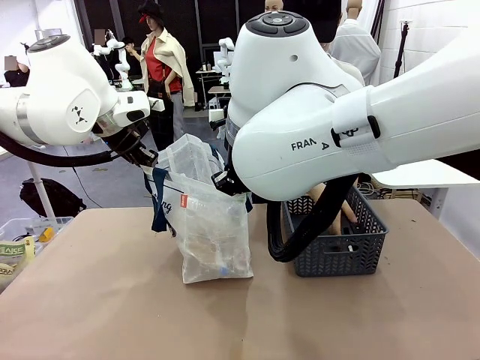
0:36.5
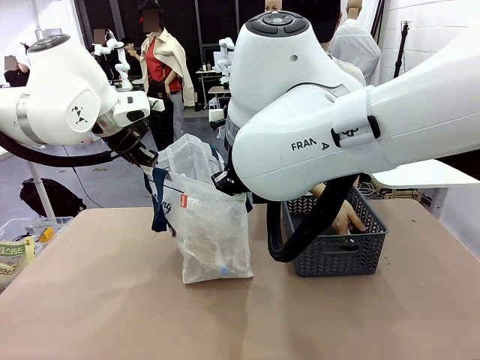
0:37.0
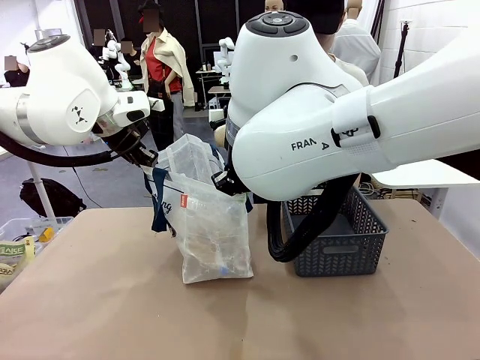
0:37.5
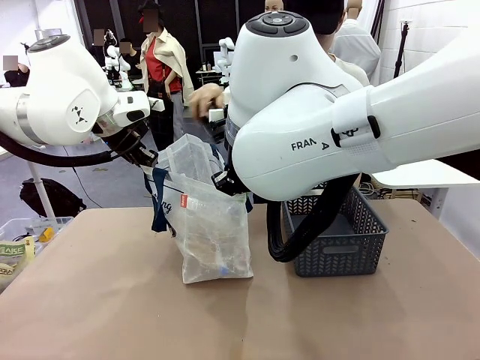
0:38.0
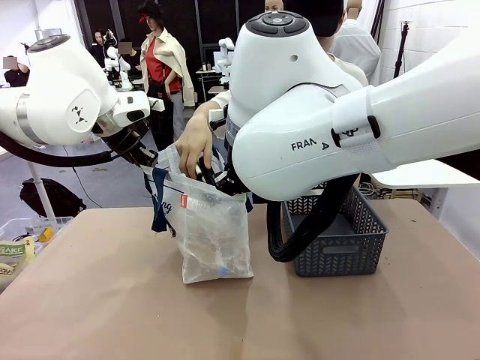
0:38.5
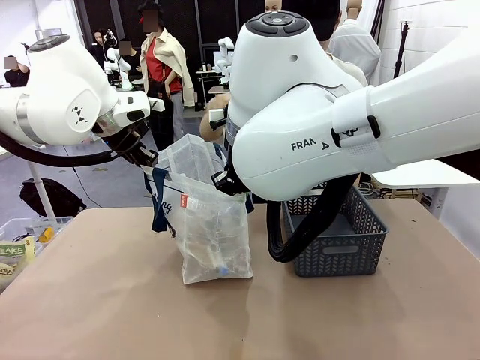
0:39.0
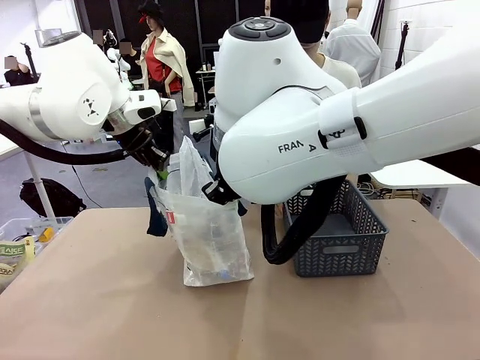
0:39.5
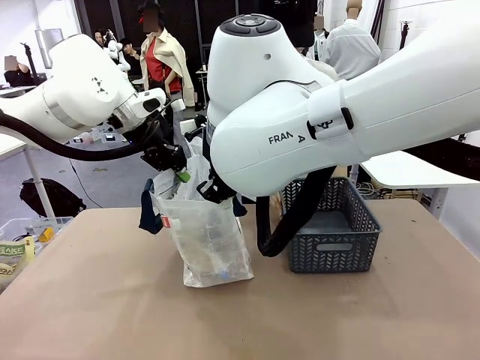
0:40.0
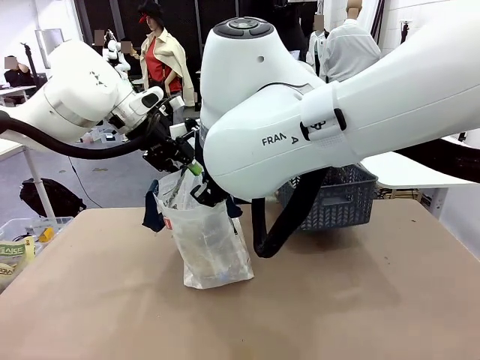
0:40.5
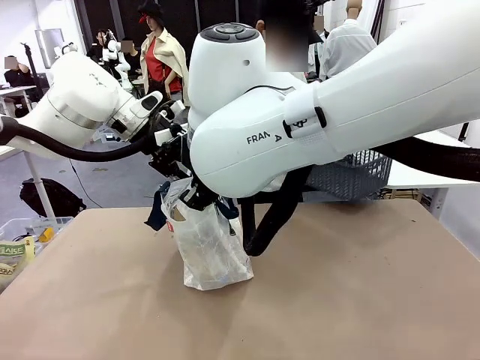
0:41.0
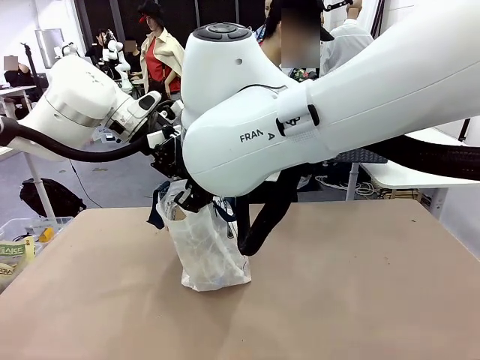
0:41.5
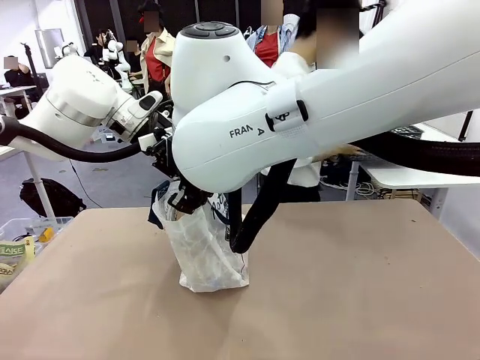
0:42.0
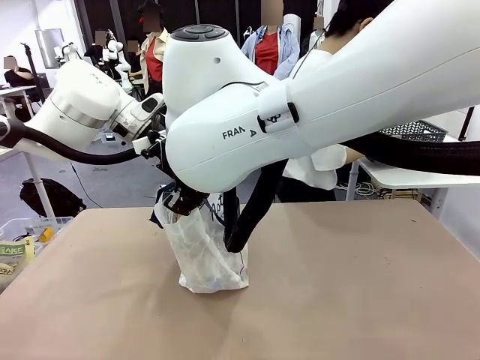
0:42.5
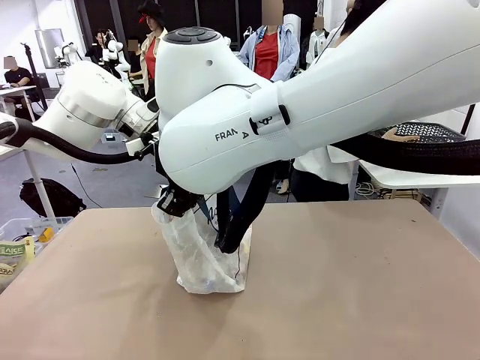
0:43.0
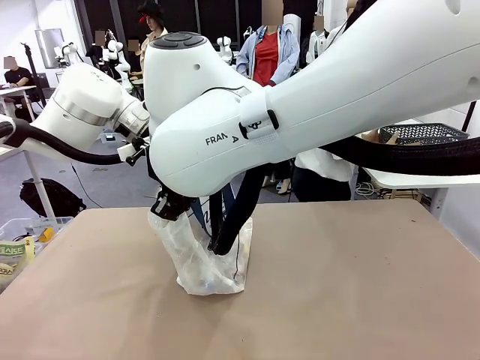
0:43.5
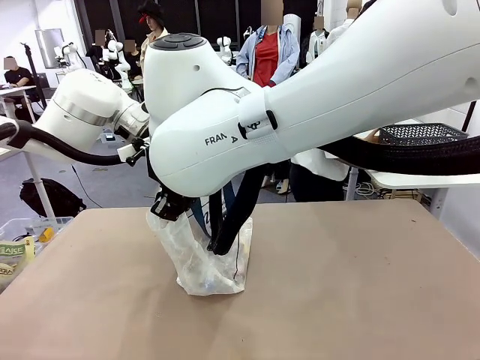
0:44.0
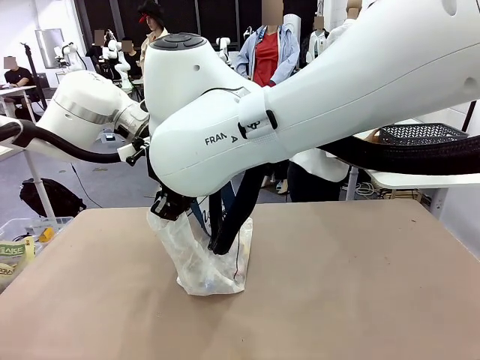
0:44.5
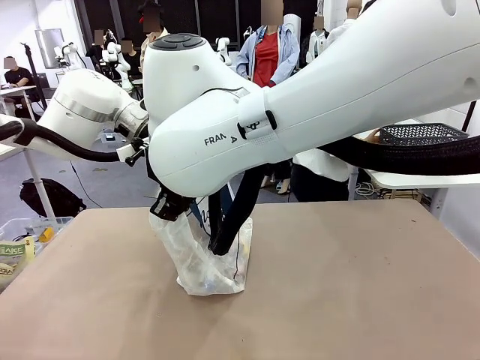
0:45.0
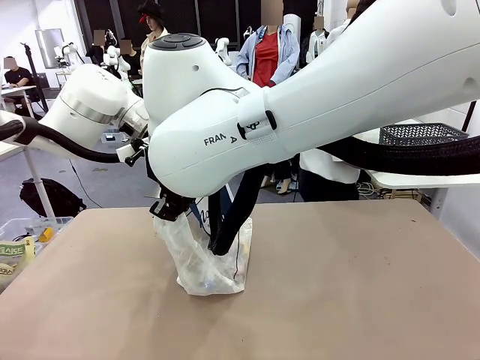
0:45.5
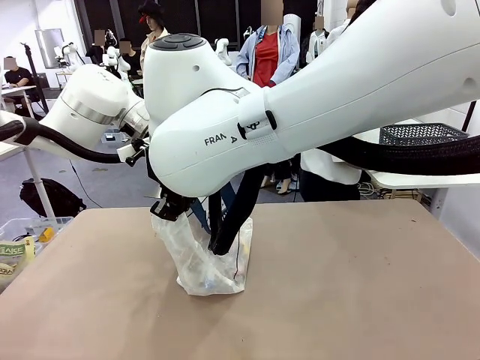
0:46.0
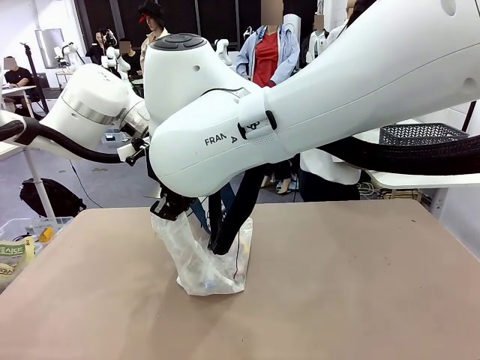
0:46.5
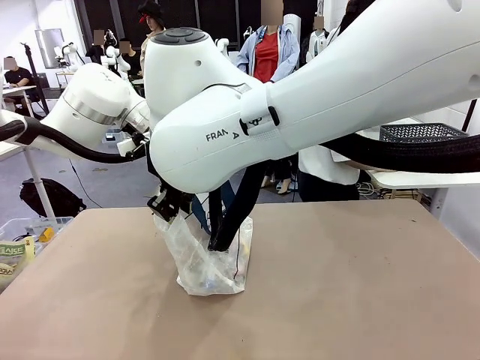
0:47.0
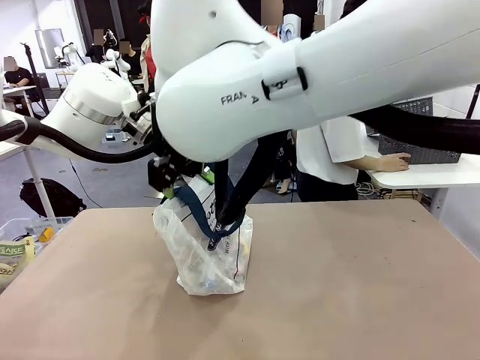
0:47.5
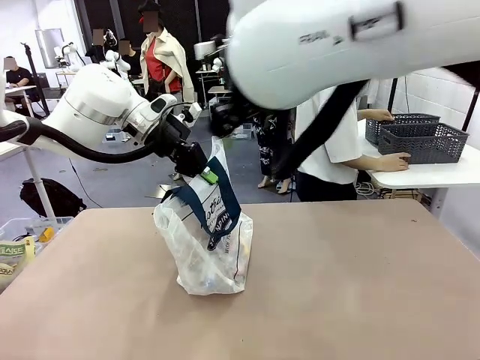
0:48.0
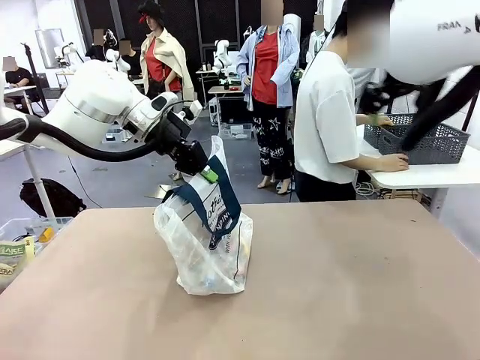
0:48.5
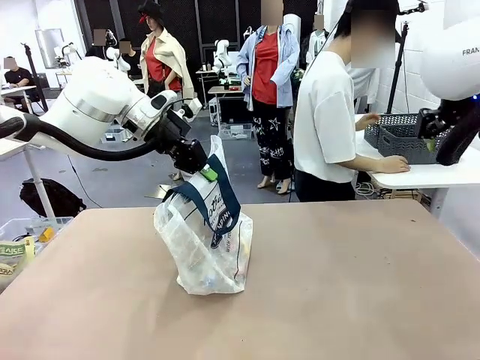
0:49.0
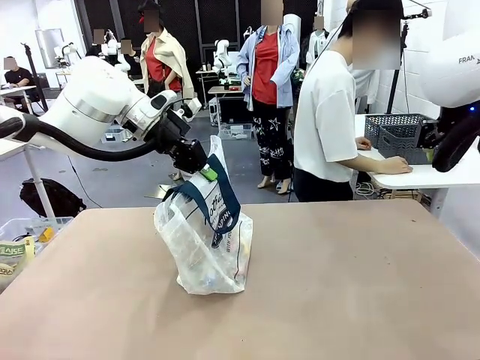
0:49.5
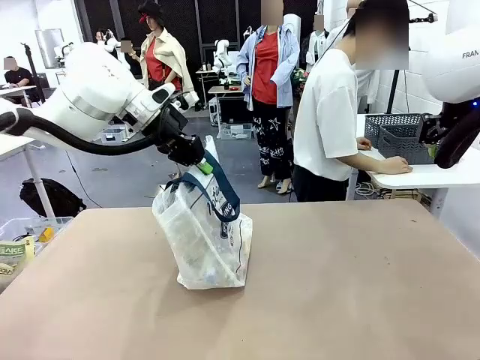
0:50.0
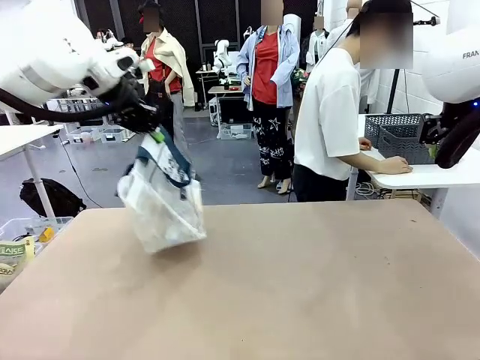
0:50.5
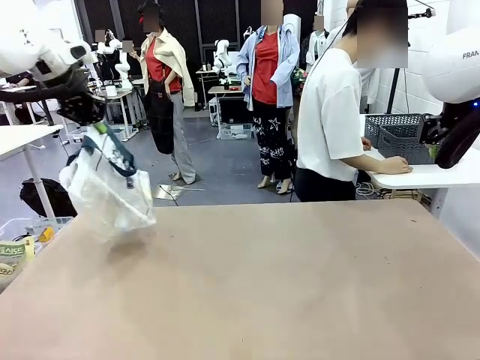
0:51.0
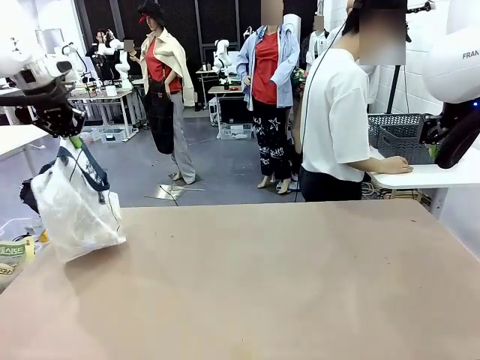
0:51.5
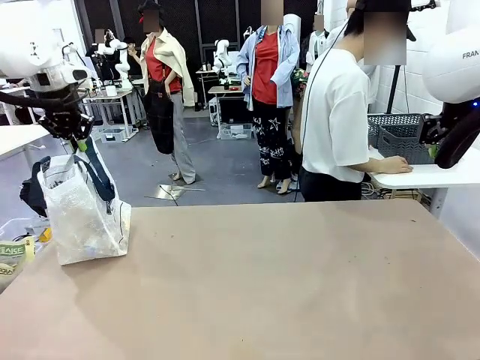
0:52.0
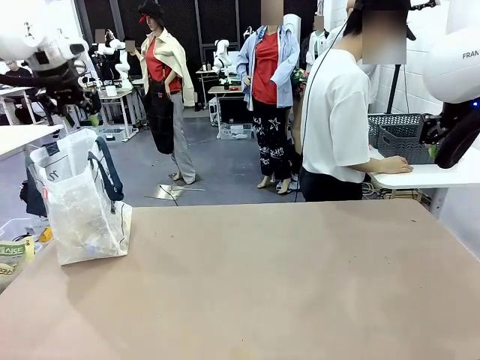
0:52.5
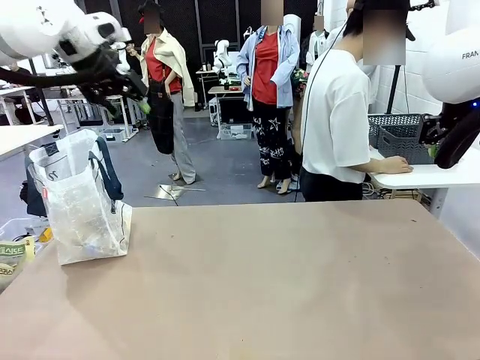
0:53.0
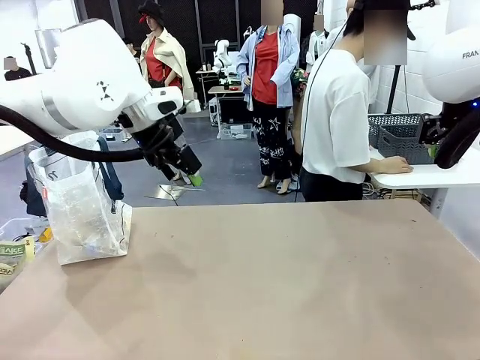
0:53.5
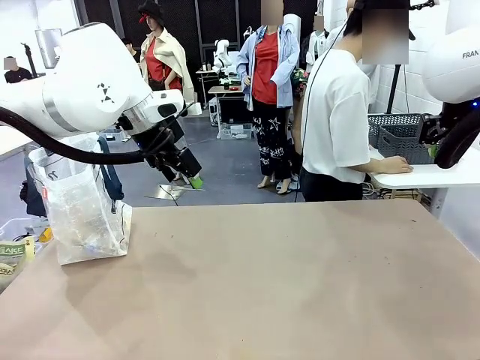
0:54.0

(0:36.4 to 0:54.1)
Task: Transfer purchased items from the store into the shopping bag.
Robot: Move the Reusable shopping bag to the right side of the table.
Person: Move the basket on the left to the middle of the person's table.

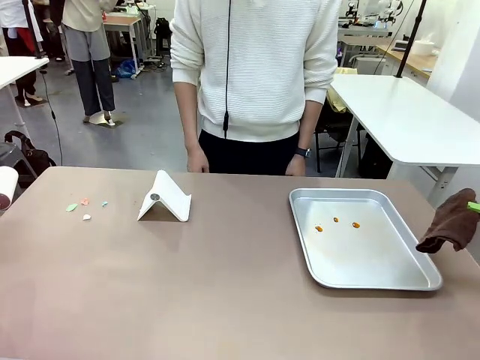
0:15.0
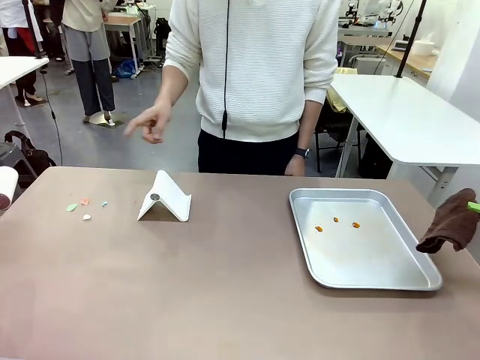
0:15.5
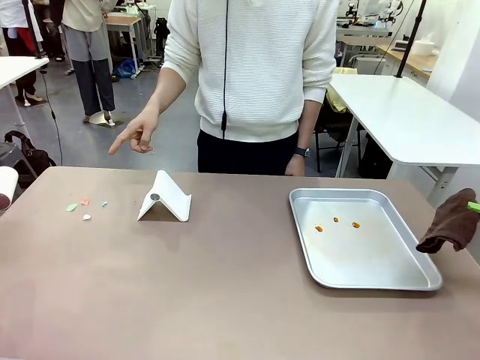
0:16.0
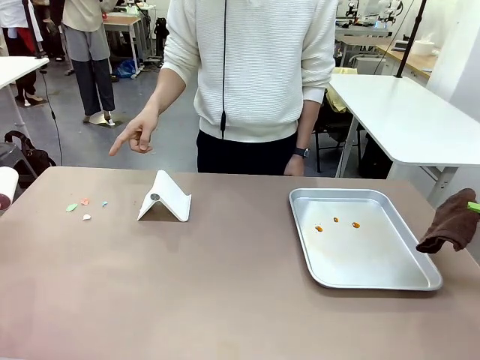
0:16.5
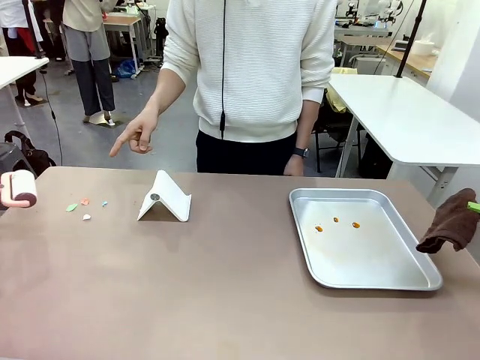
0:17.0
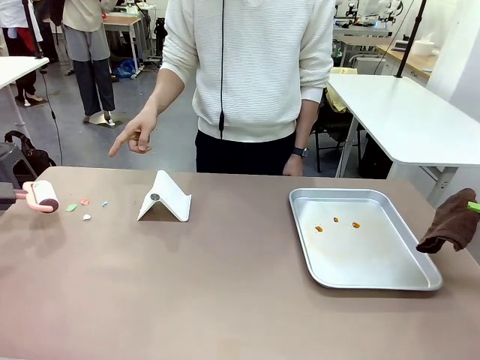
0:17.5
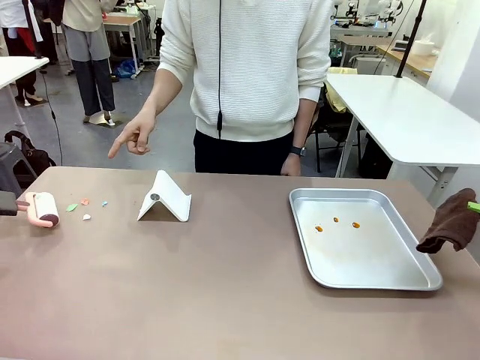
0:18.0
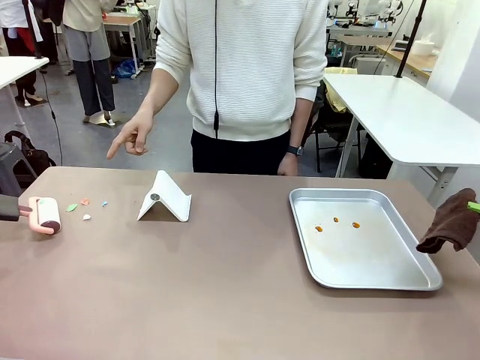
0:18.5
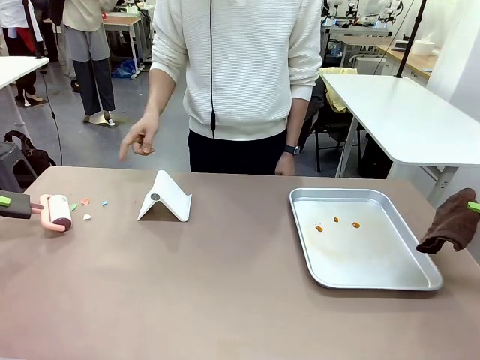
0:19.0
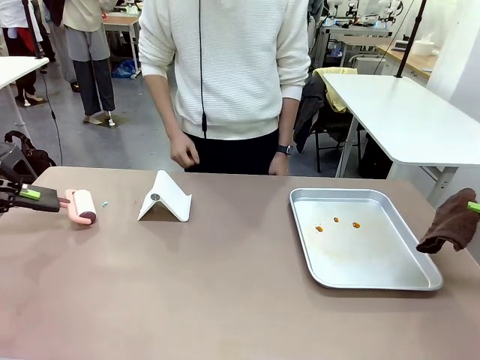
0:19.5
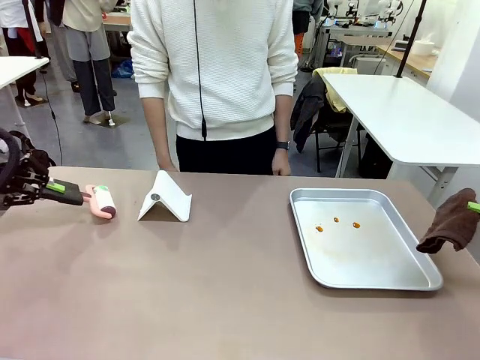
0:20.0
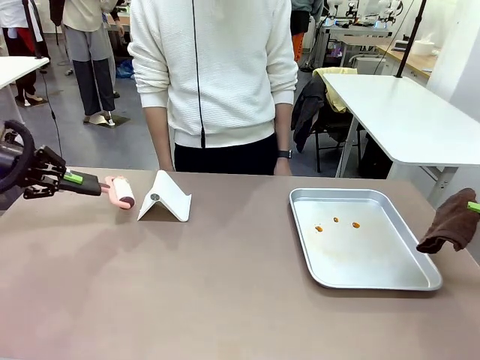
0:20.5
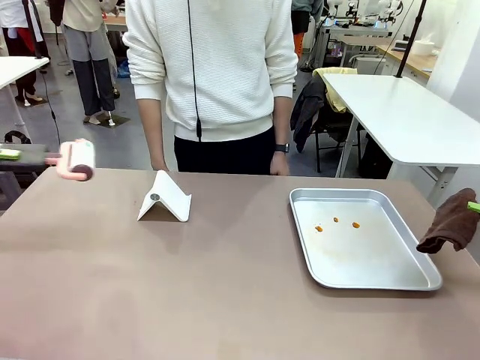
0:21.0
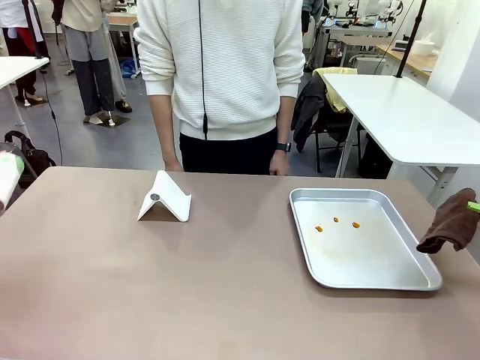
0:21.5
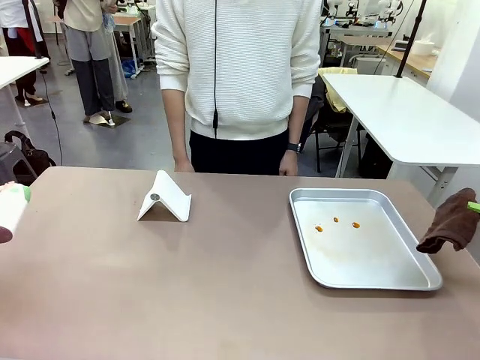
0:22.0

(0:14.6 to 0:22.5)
Task: Clean the surface of the table.
Robot: If a person points to the right, clean the right side of the table with your right hand, and if they point to the left, clean the left side with your left hand.
